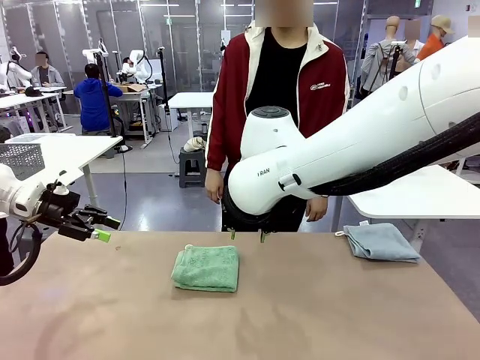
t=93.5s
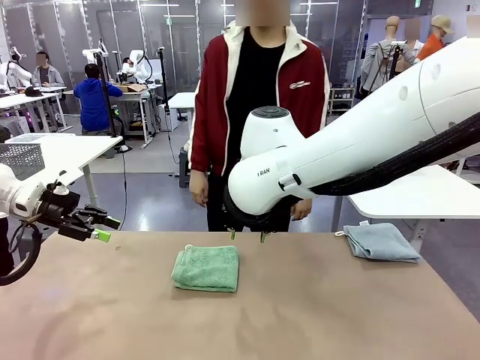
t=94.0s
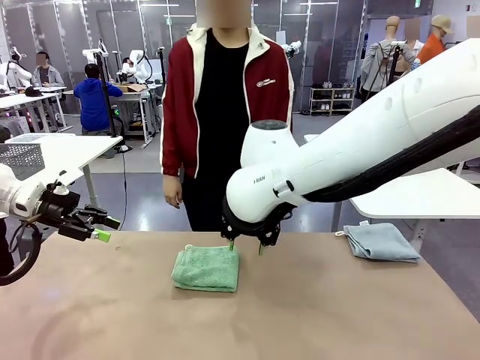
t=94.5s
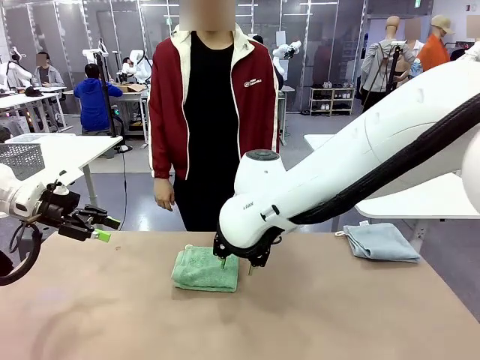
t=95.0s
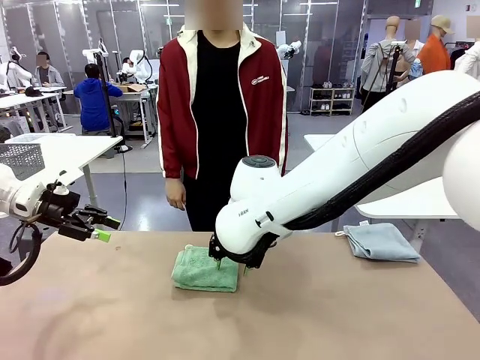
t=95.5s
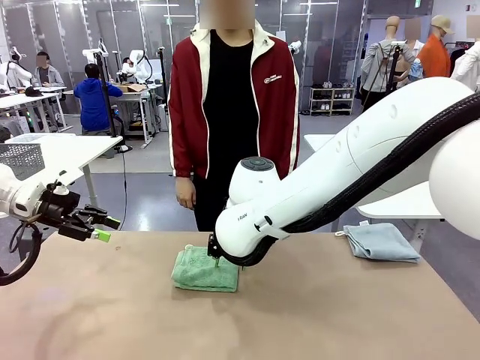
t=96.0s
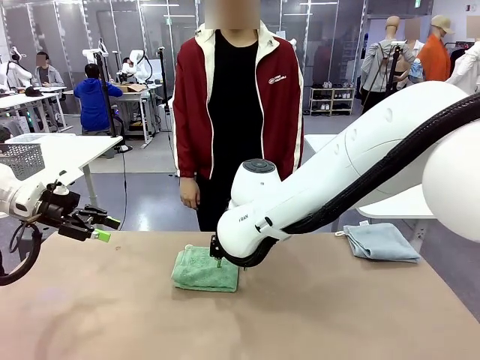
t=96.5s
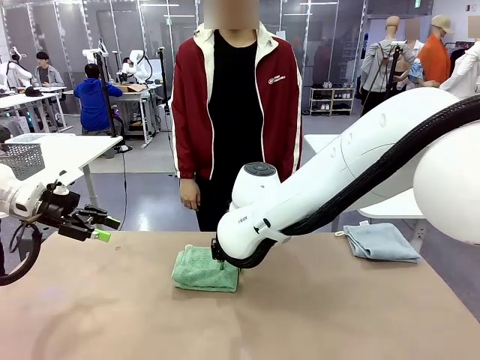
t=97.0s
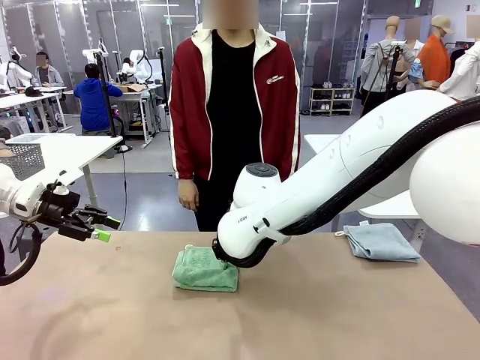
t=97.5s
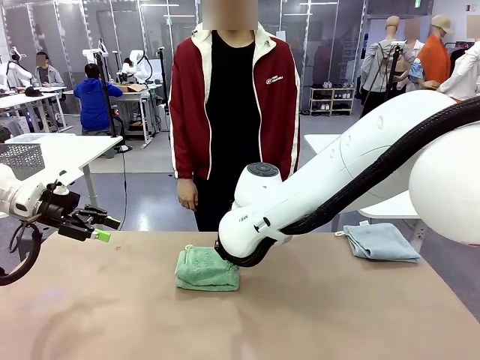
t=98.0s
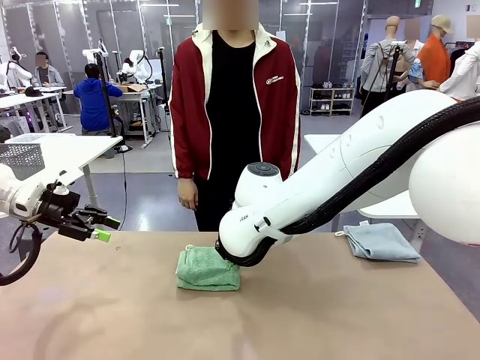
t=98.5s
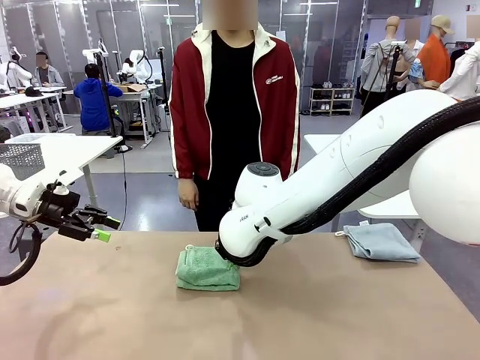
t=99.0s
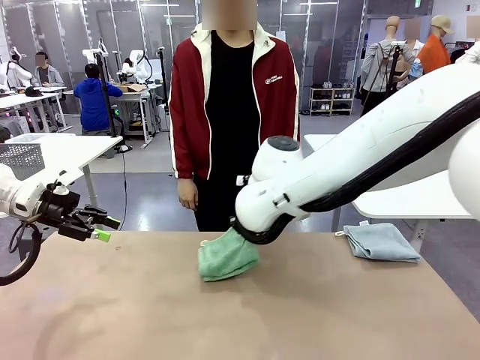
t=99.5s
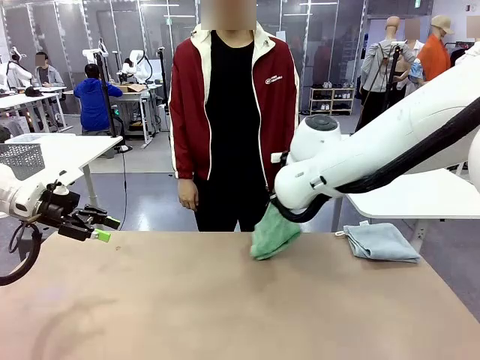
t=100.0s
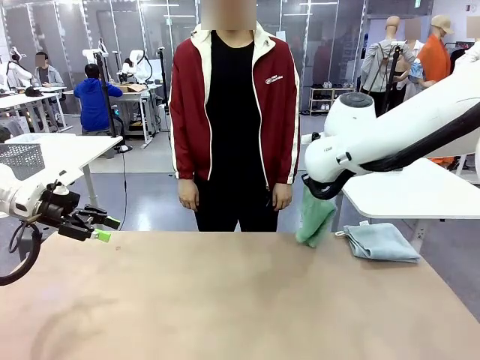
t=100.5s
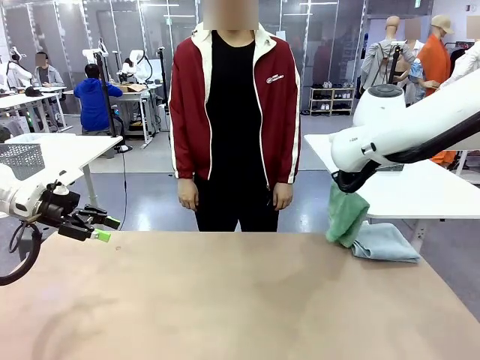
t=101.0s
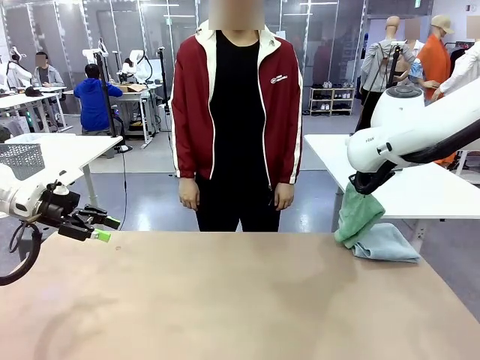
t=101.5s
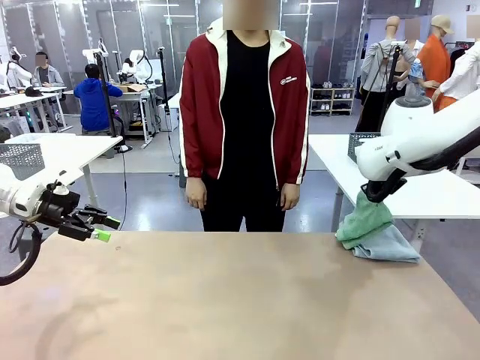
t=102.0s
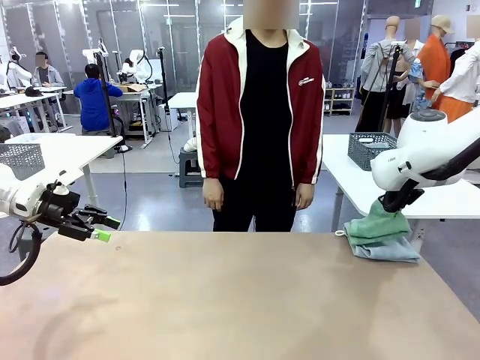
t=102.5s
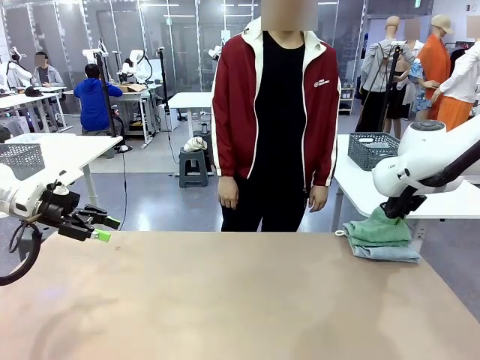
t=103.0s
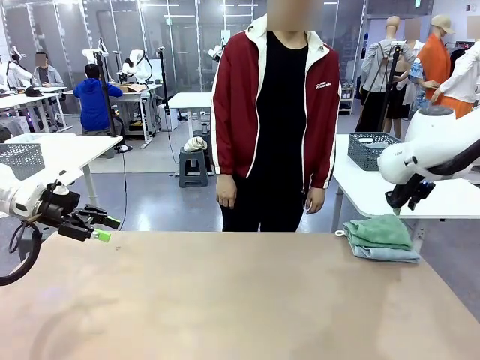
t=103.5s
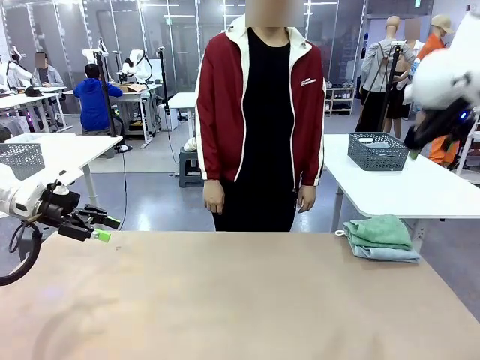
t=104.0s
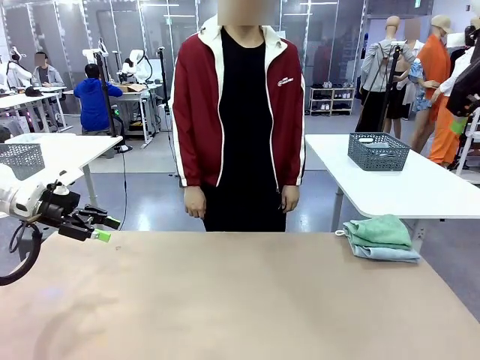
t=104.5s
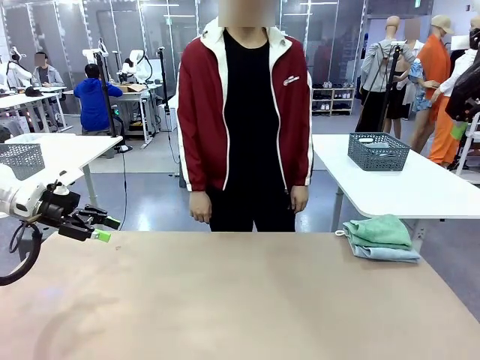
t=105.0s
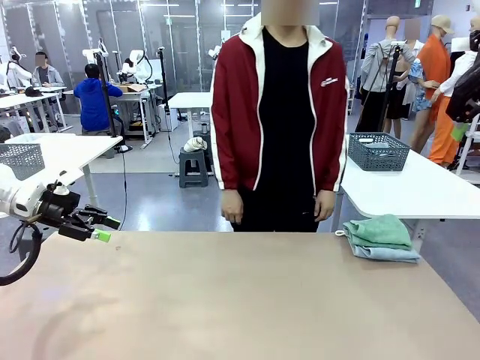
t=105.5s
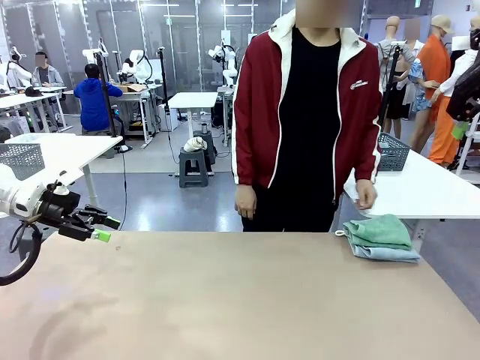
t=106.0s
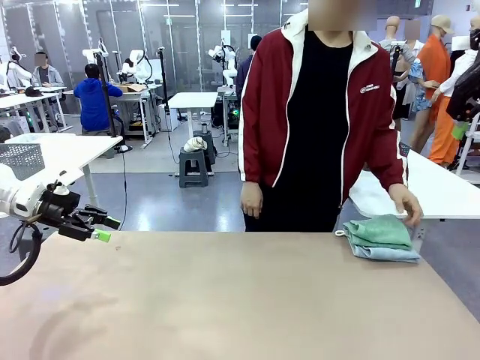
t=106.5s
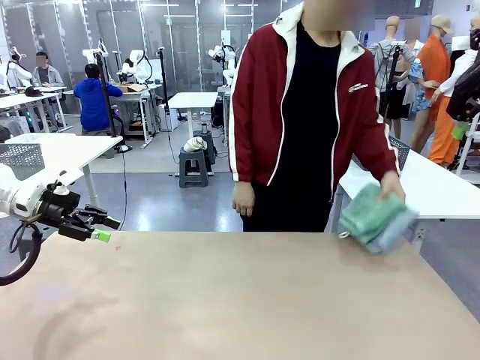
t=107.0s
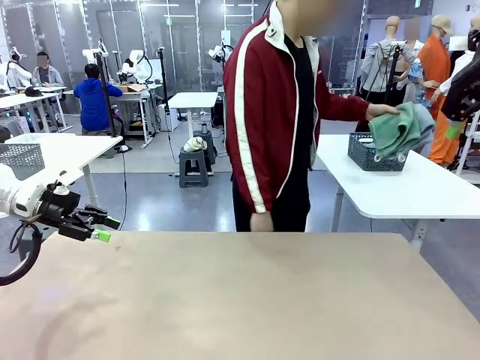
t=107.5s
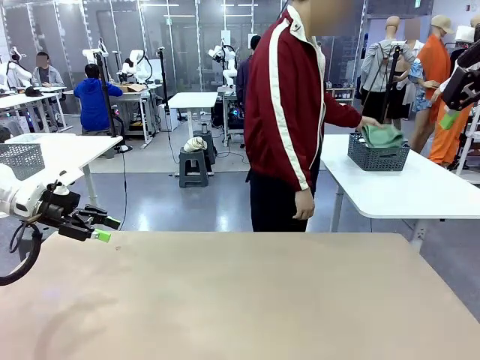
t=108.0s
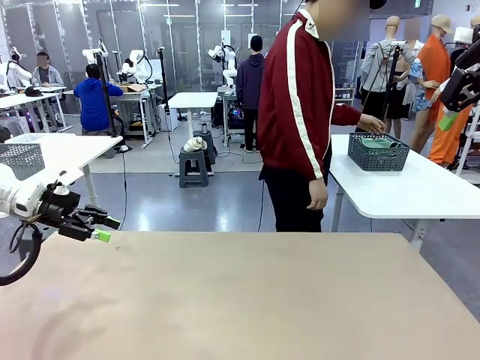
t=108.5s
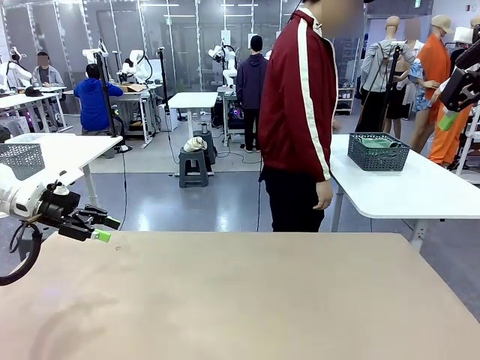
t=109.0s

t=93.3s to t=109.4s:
Task: Fold the towels and place them in the basket.
Robot: Stack the folded Towel with hook on the right side of the table.
Person: Pick up the stack of towels from the robot table and place it into the basket.

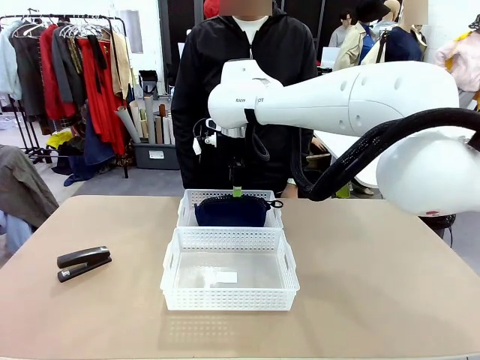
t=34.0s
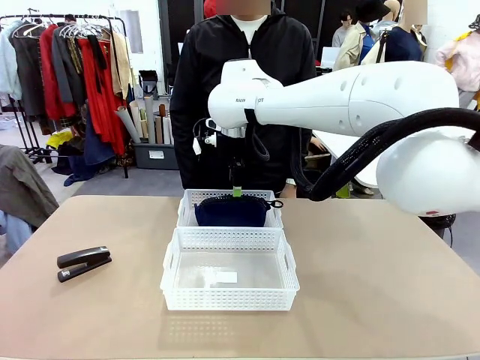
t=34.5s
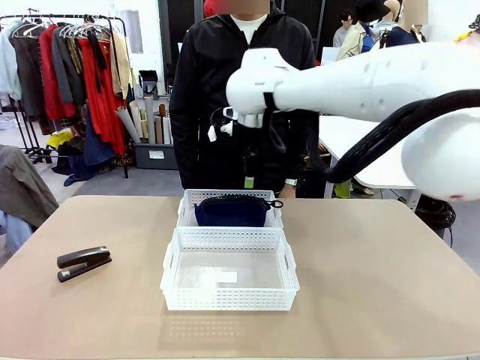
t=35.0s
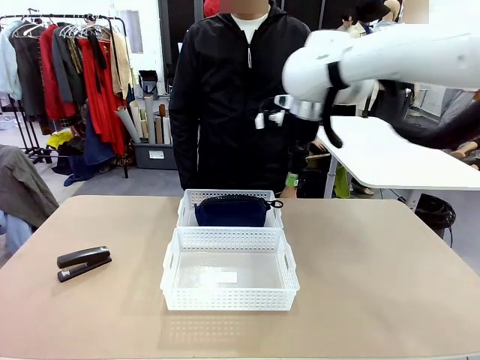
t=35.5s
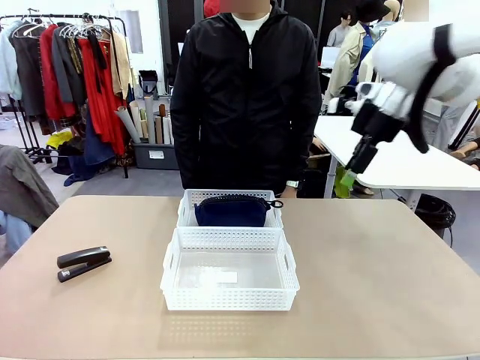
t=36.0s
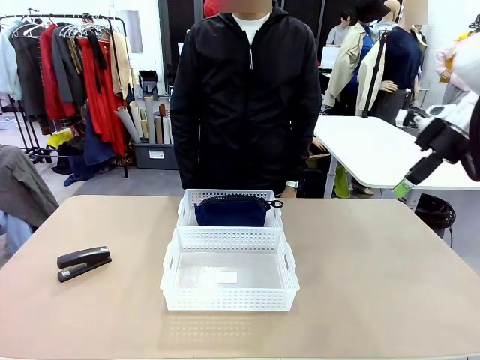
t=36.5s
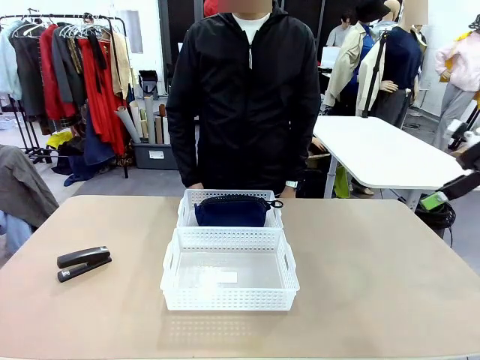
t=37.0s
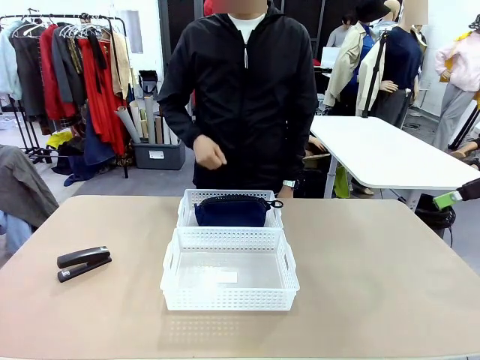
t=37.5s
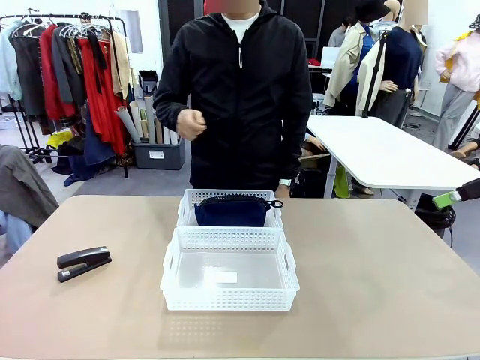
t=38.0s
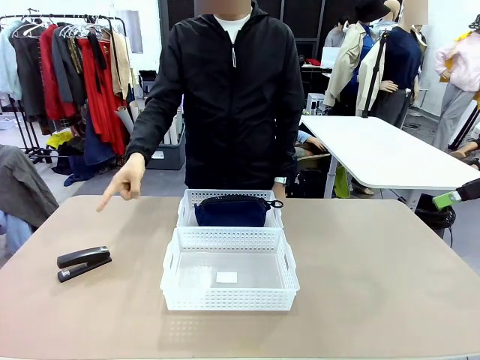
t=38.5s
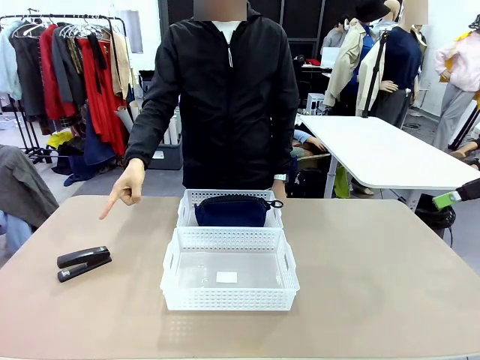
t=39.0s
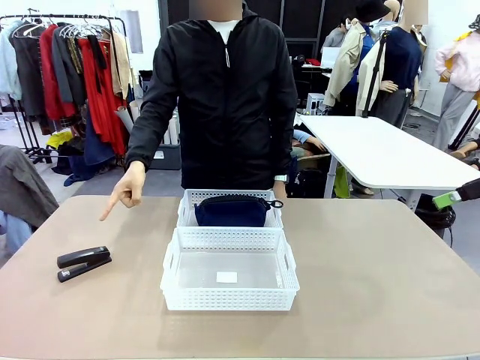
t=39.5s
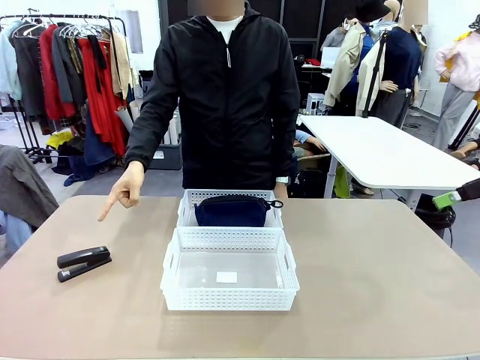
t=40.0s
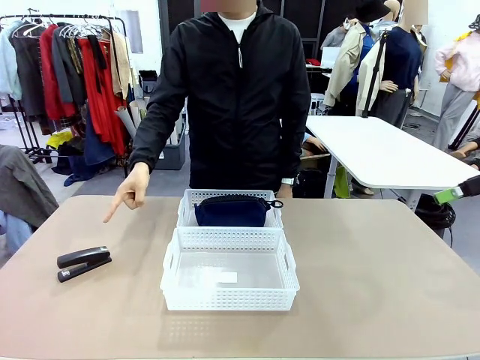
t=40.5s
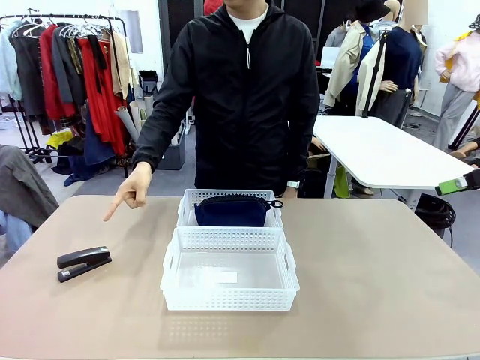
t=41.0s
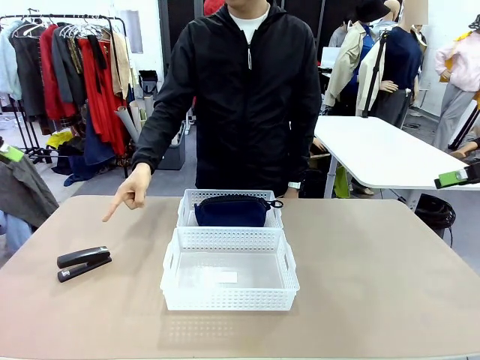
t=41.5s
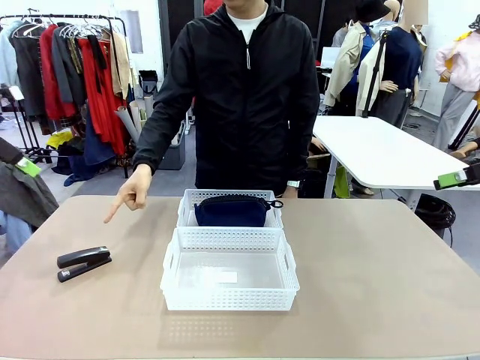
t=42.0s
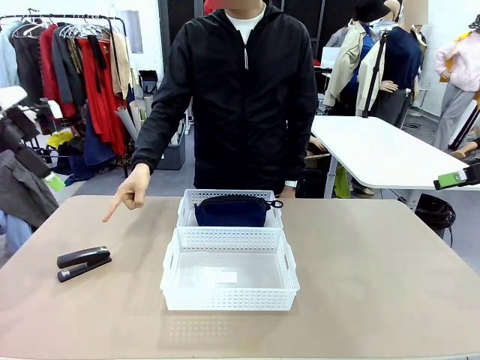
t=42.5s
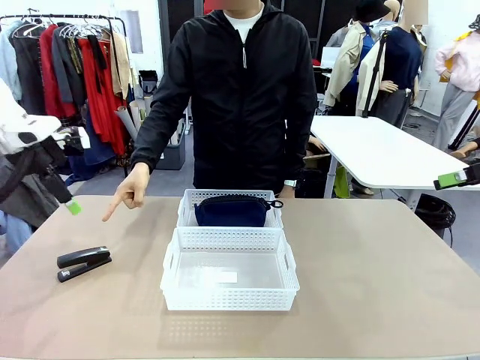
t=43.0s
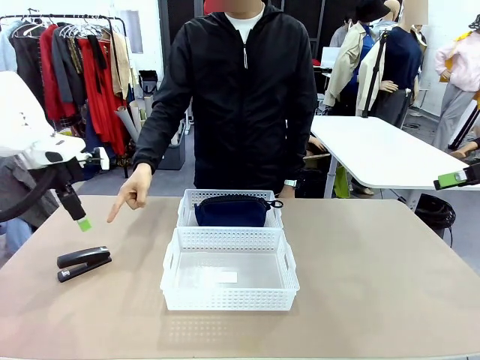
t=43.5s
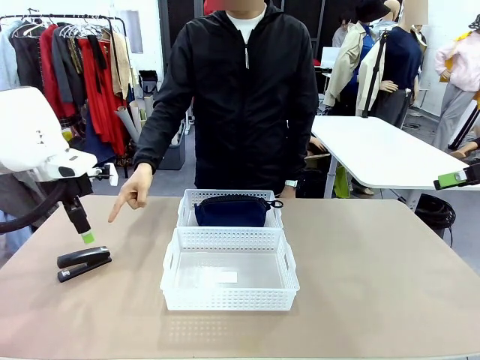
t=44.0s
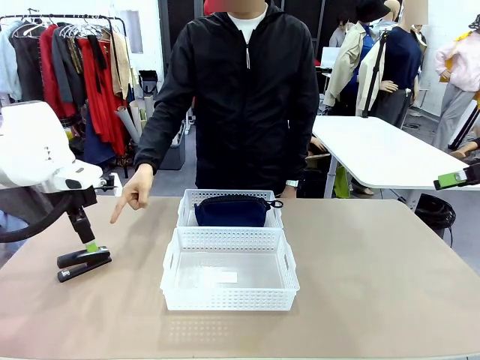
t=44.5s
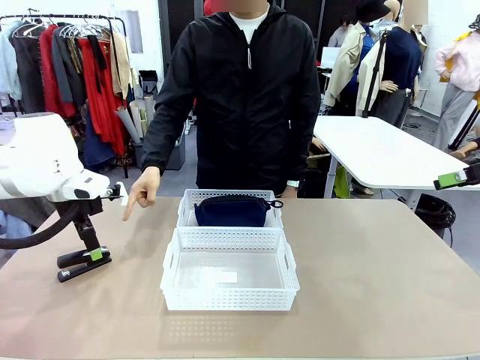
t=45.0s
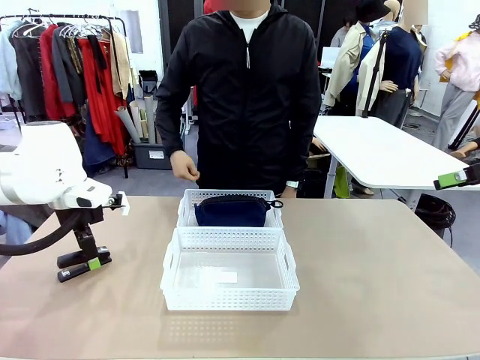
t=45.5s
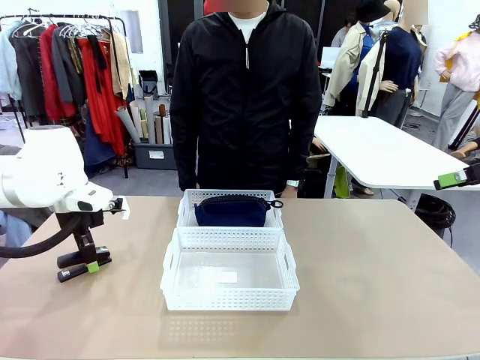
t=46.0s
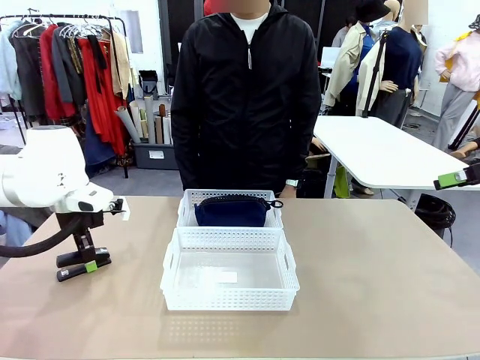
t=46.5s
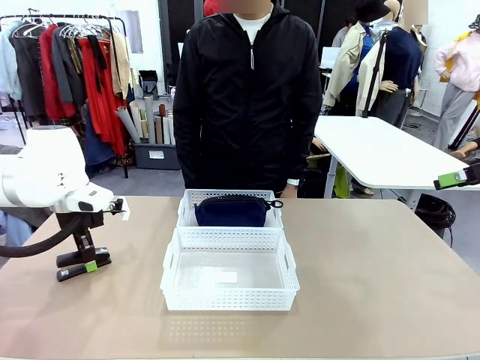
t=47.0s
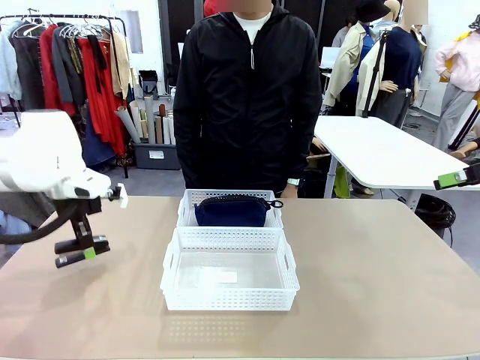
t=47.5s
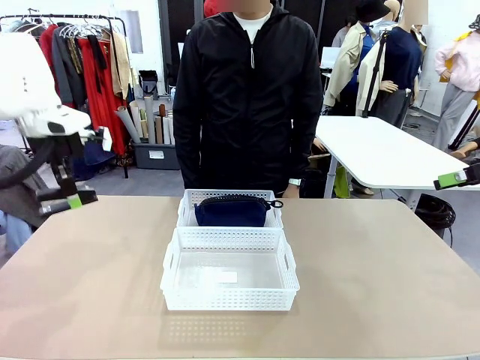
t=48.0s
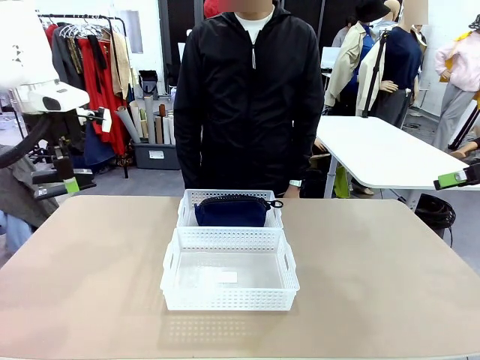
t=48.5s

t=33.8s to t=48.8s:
Task: Distribute items into two baskets.
Robot: Pick up the Stapler that the person points to.
